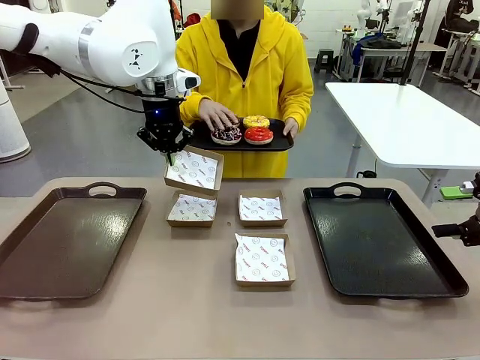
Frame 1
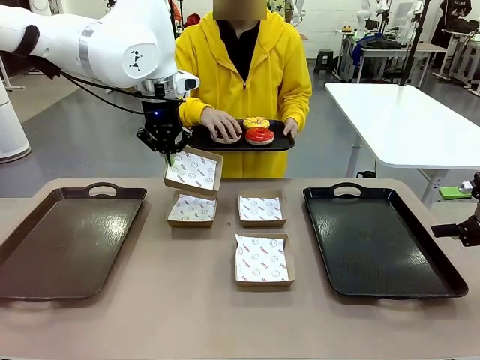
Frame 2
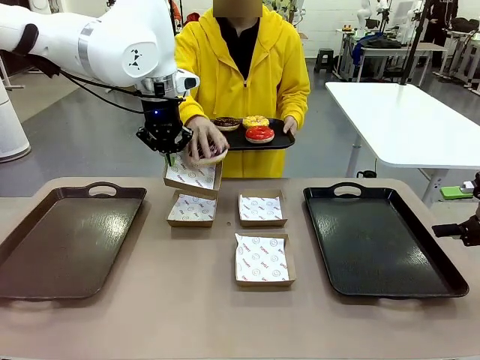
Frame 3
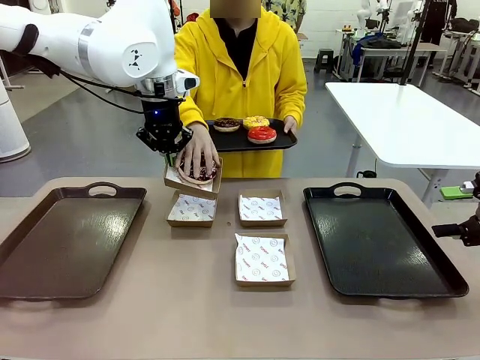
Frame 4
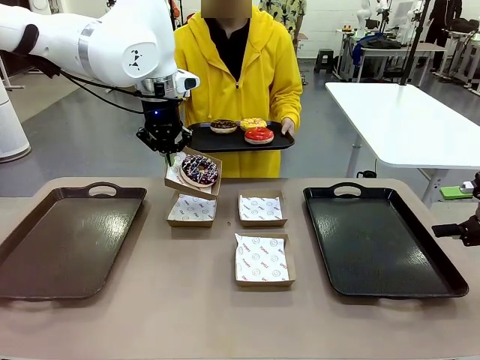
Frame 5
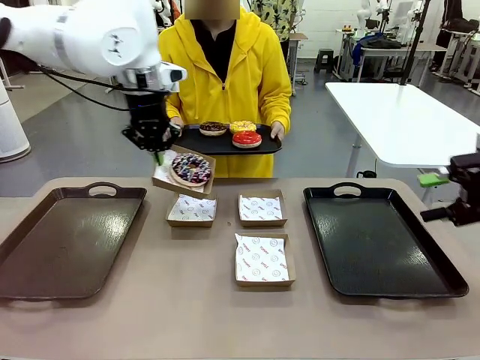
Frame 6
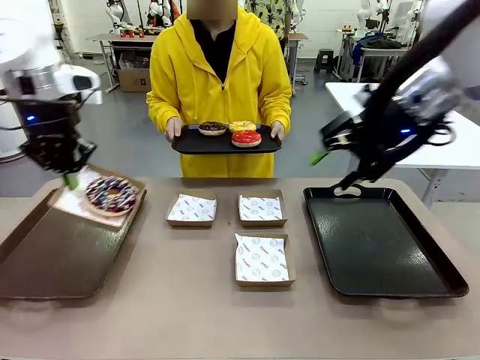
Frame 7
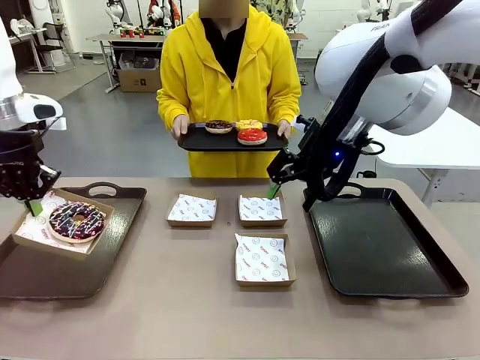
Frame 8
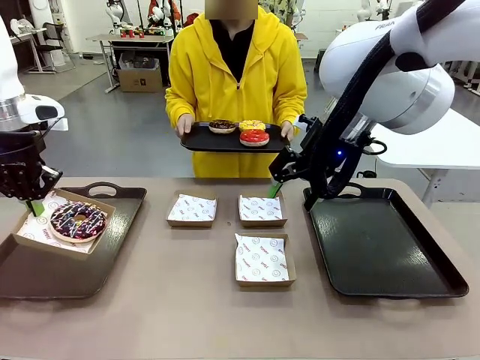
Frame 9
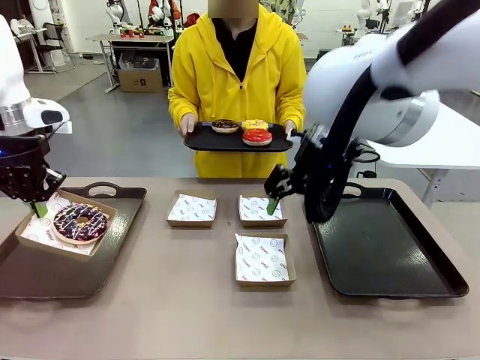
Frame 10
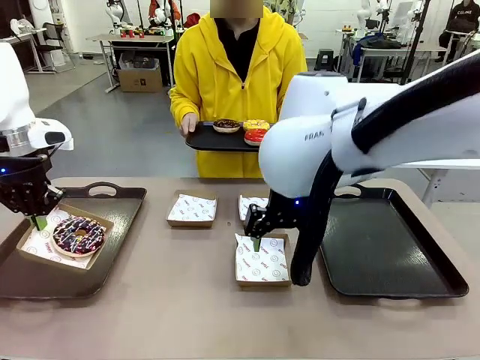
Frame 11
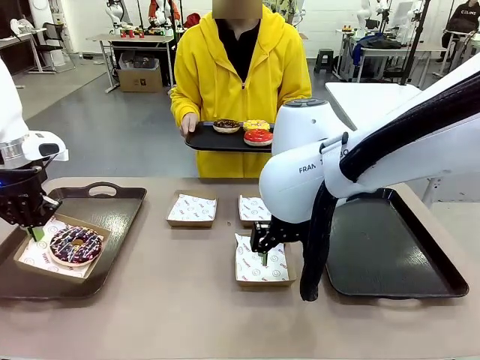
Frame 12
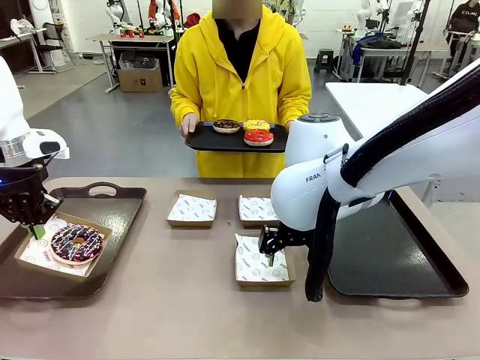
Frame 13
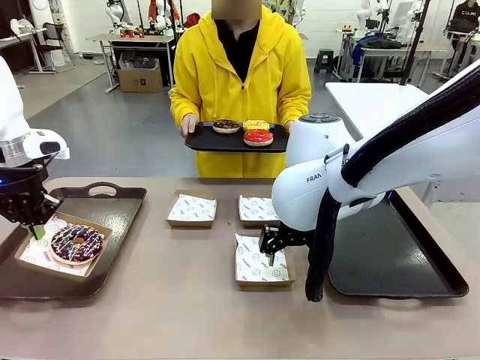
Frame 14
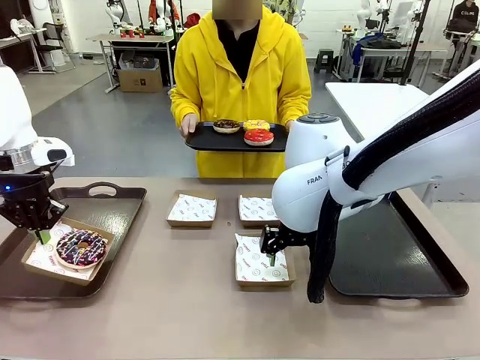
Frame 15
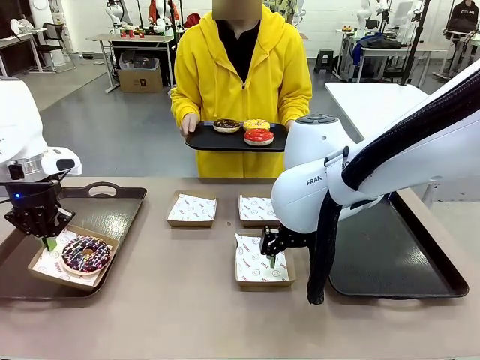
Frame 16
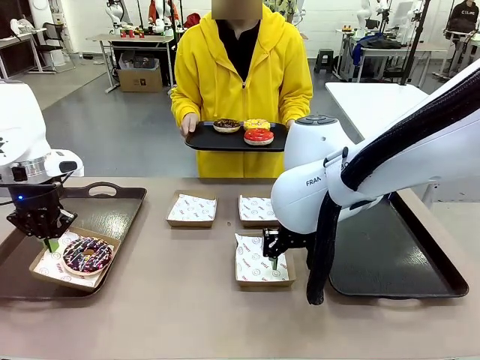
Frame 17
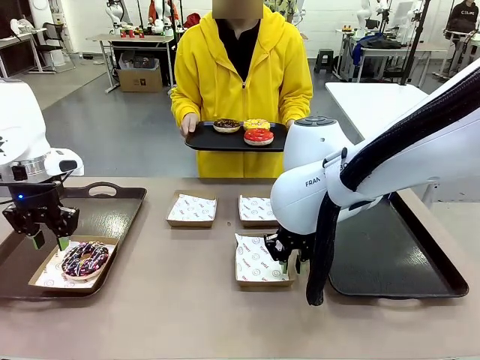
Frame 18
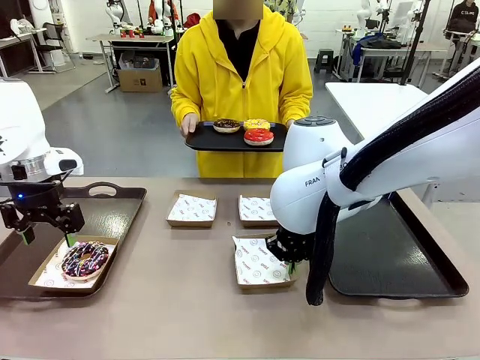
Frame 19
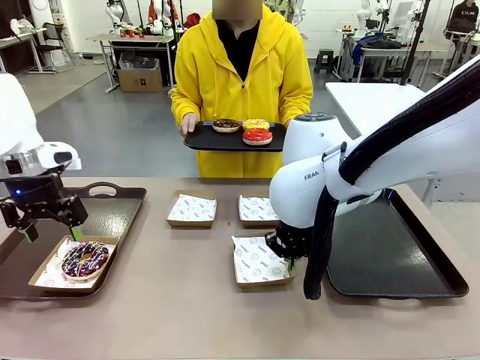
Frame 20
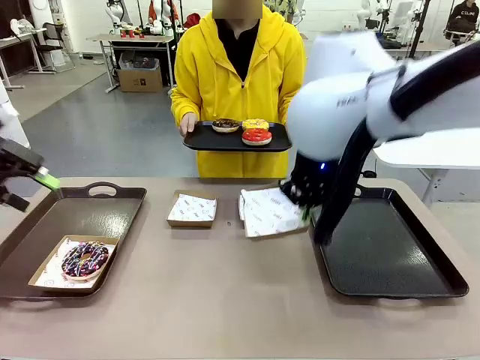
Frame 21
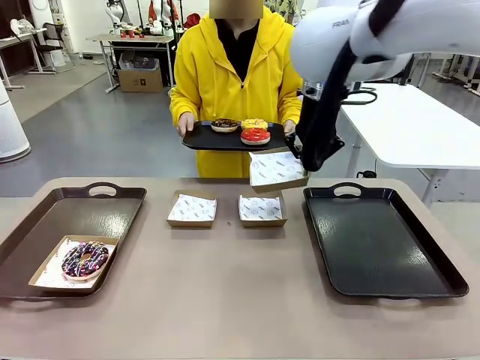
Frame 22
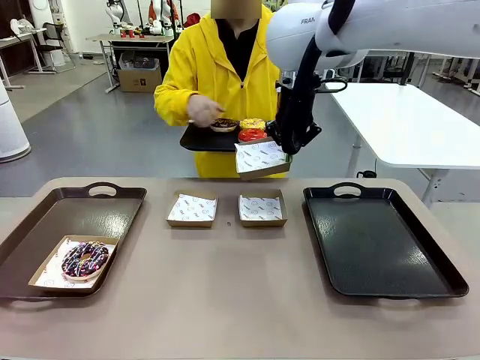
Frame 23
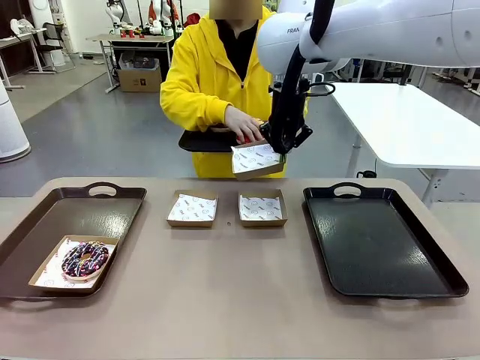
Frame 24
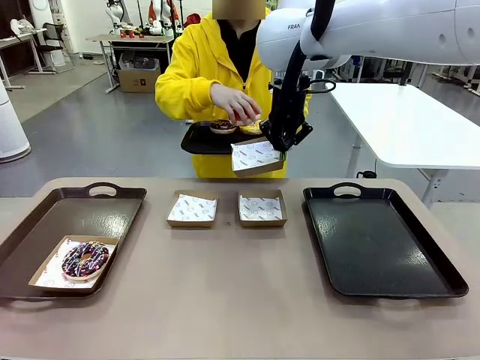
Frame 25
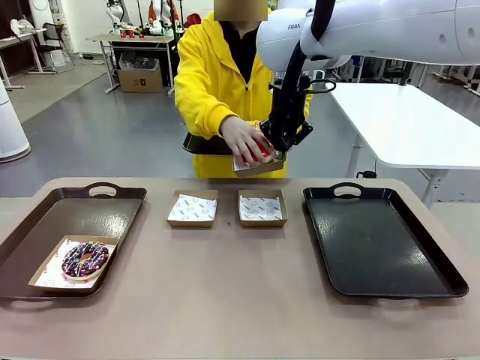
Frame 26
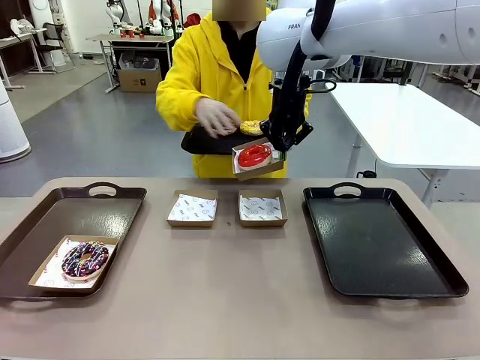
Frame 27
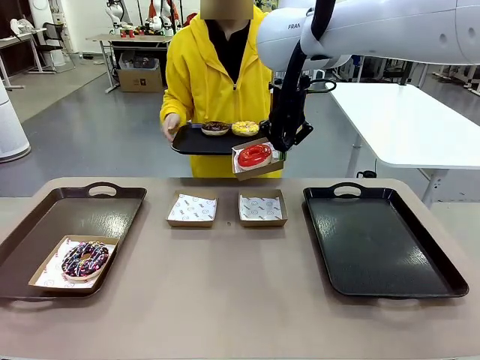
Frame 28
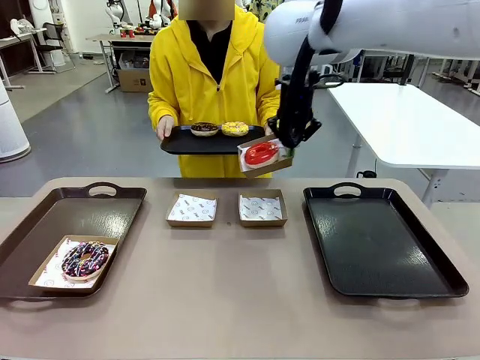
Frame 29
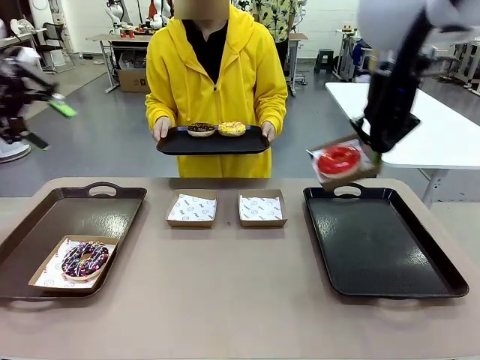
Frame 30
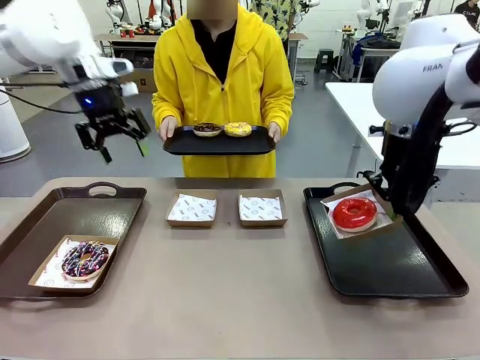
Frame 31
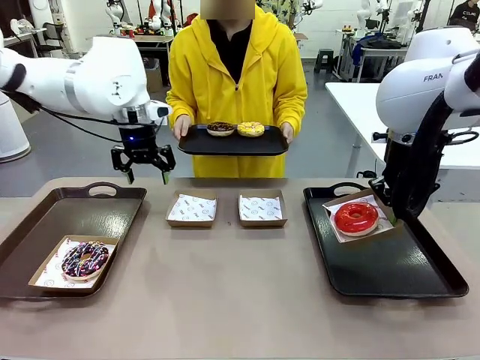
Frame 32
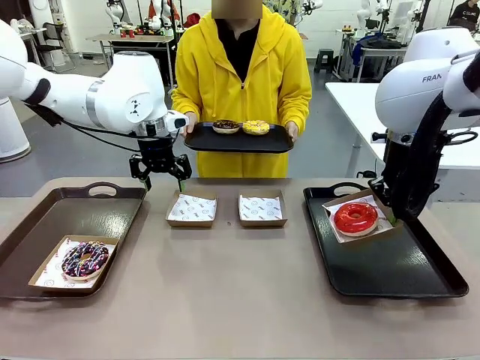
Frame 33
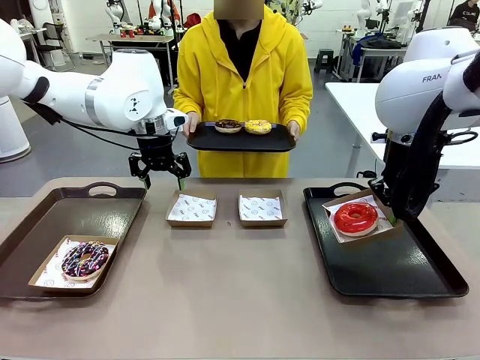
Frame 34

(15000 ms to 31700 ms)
Task: Individually package the donuts and arrange them on the tray.
Robot: Place the picked Paper togo box on the Handle tray while simultaneously picking up another Paper togo box from the table with the other hand.

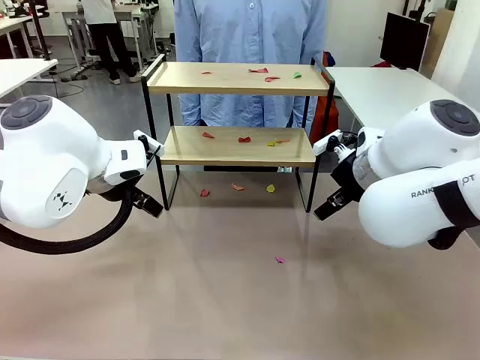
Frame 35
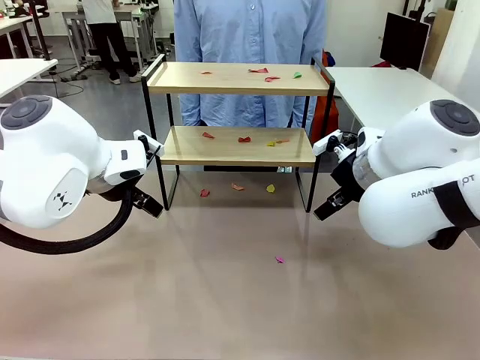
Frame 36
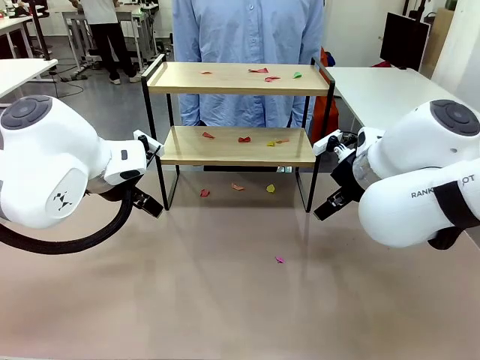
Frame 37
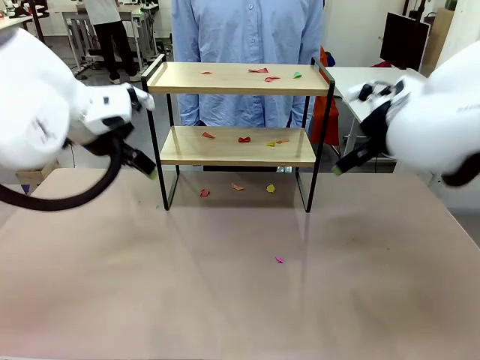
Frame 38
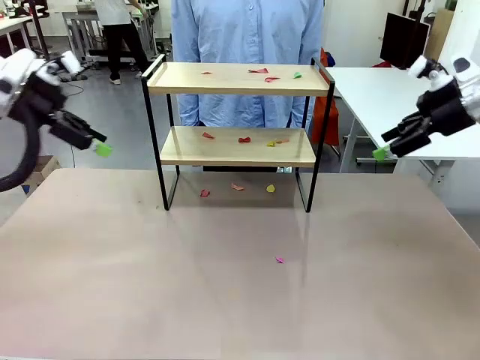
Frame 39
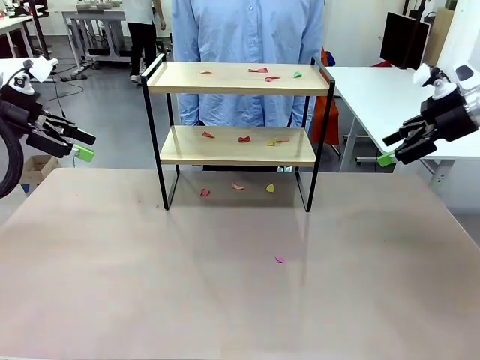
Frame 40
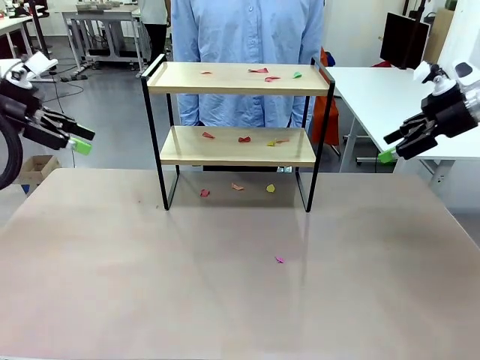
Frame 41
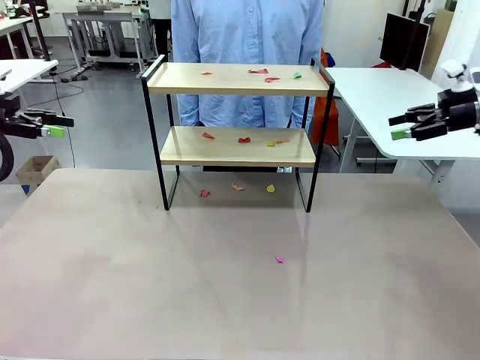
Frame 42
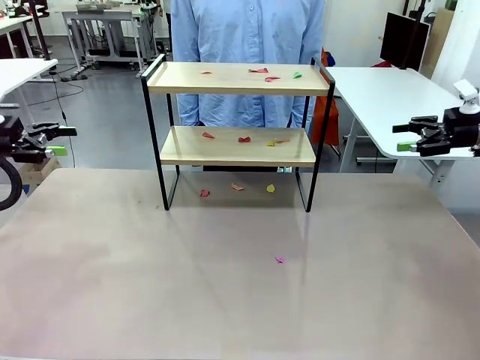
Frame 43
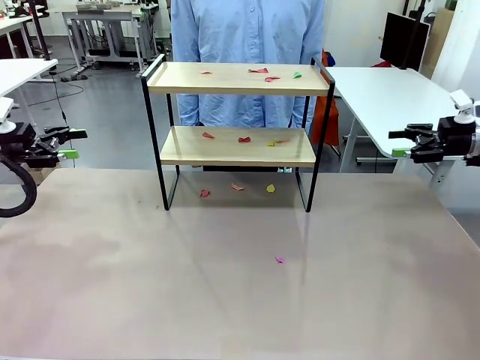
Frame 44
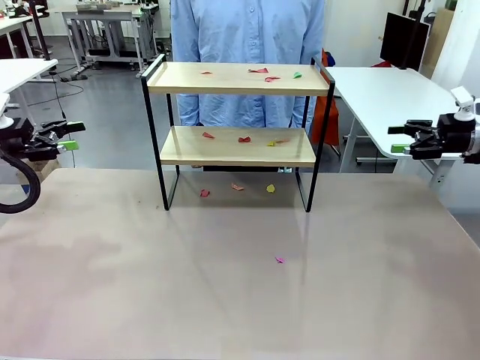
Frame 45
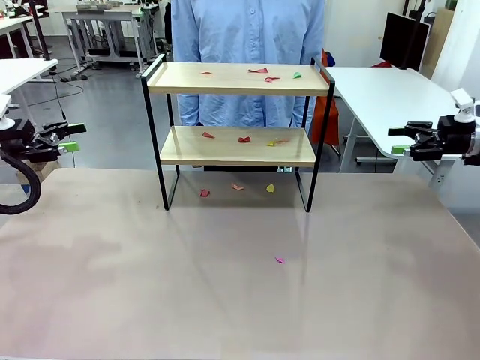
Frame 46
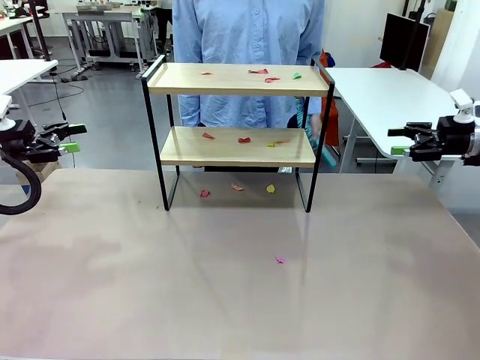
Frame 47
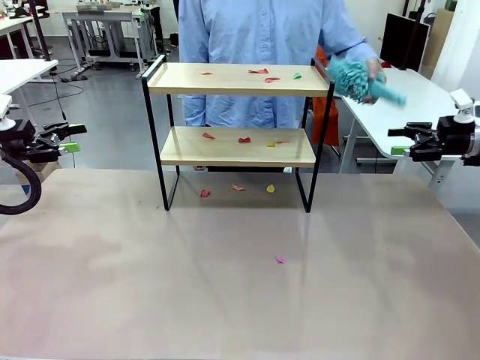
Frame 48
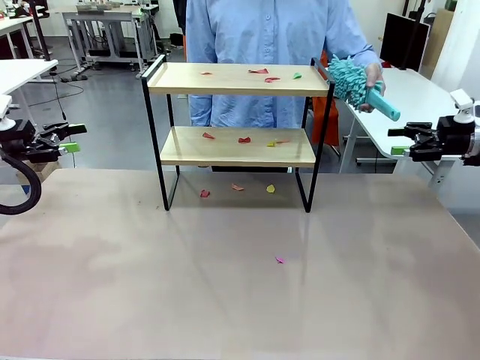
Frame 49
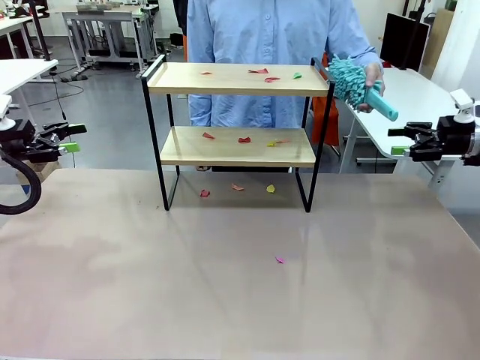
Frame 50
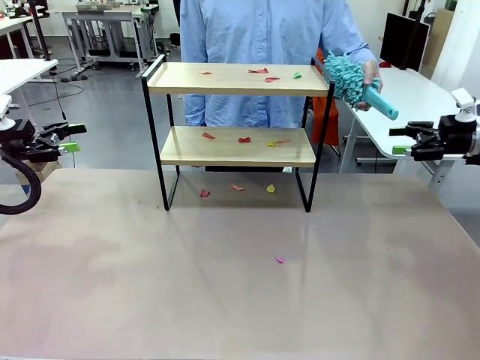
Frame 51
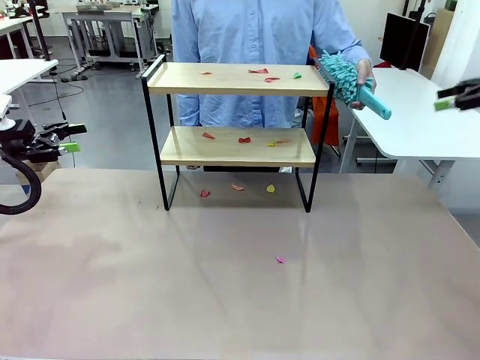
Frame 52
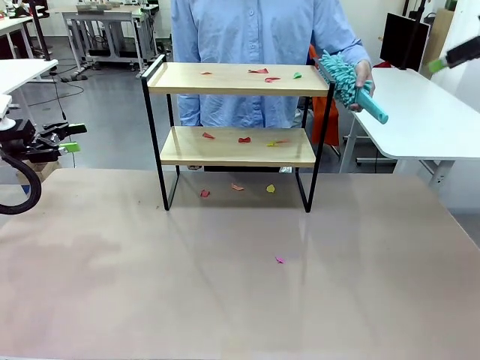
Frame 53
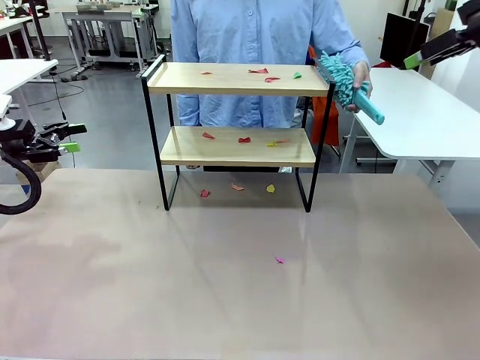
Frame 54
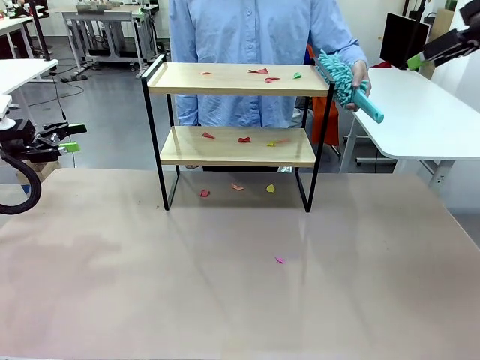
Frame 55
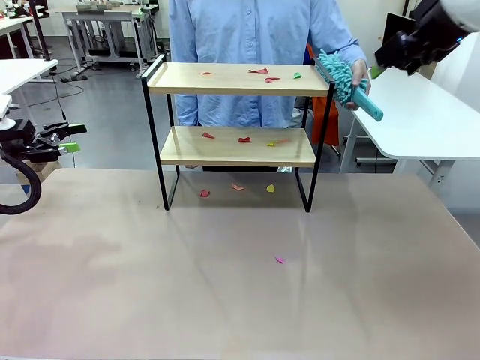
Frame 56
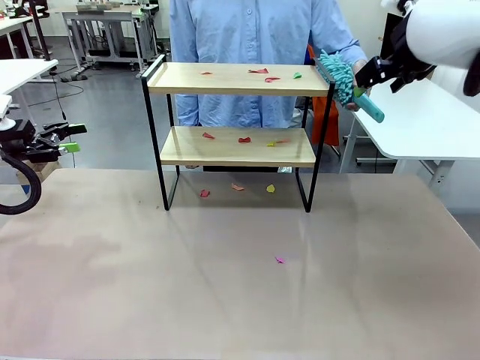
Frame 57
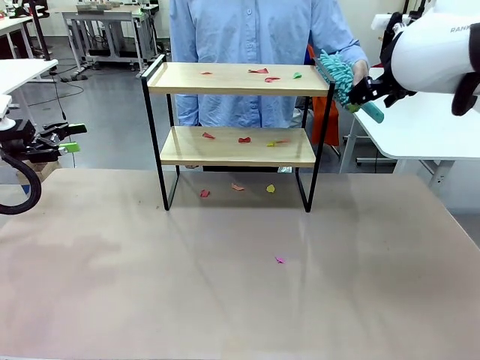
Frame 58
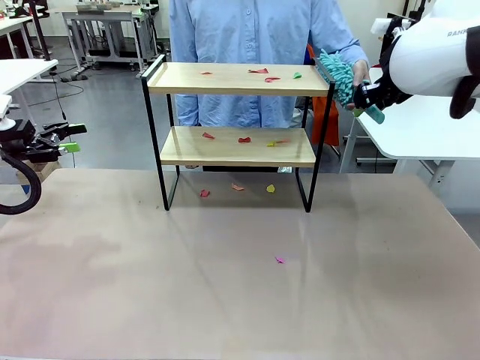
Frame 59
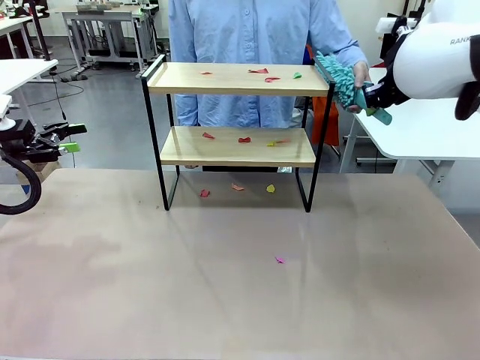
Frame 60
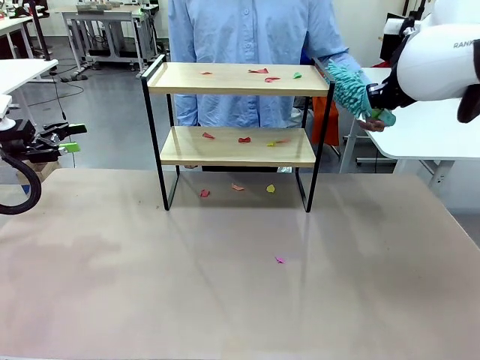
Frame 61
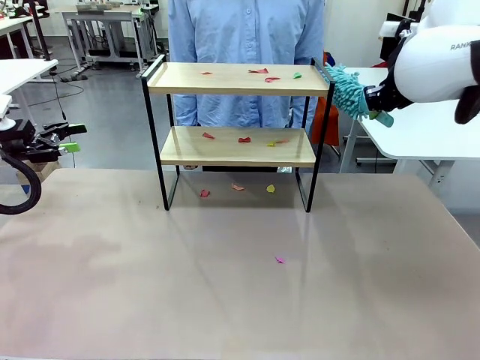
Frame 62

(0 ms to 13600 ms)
Task: Clean the shelf.
Robot: Pick up the Duster handed by the human.
Person: Hand the Duster to the robot.
